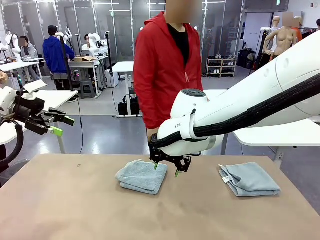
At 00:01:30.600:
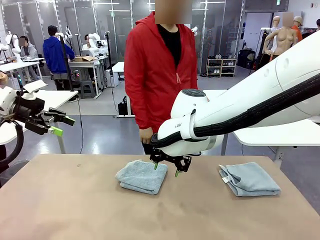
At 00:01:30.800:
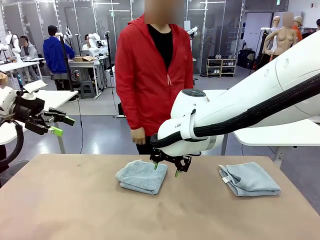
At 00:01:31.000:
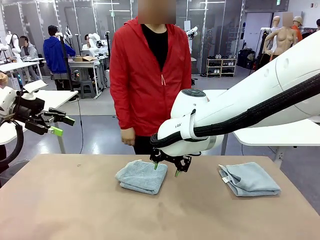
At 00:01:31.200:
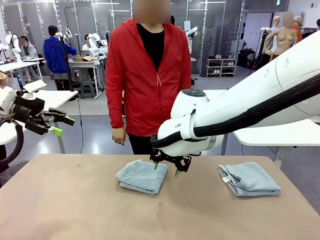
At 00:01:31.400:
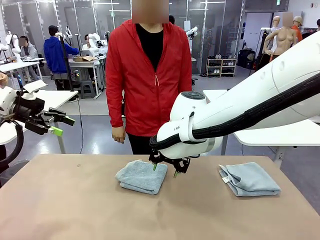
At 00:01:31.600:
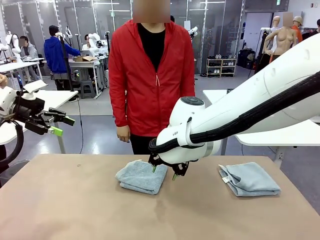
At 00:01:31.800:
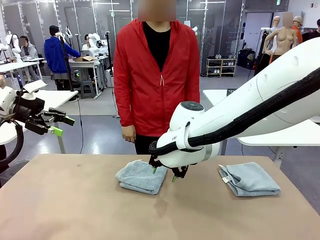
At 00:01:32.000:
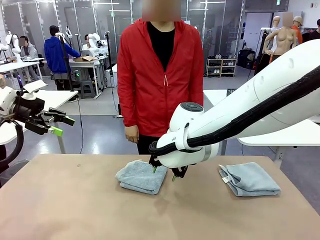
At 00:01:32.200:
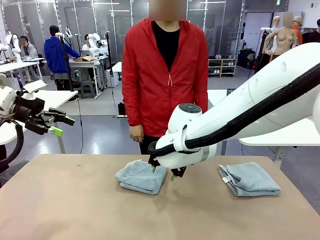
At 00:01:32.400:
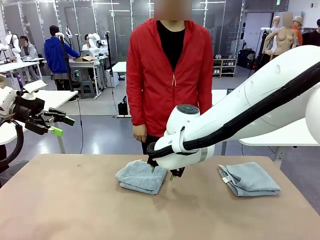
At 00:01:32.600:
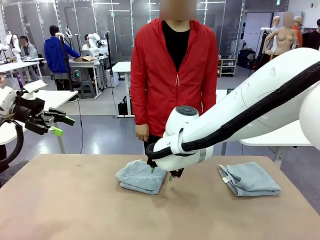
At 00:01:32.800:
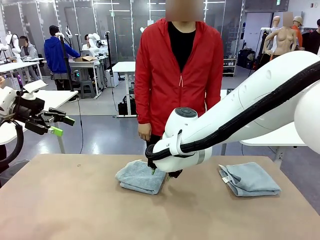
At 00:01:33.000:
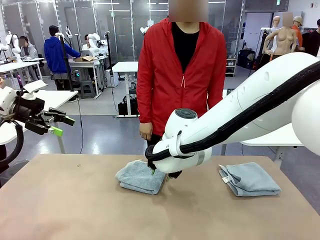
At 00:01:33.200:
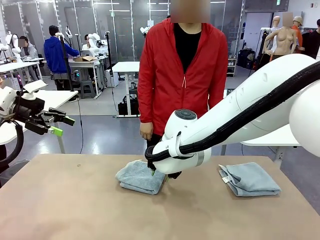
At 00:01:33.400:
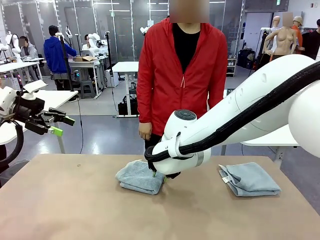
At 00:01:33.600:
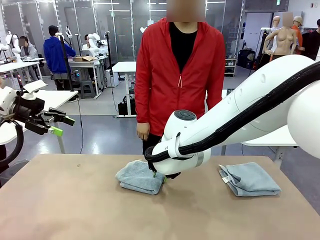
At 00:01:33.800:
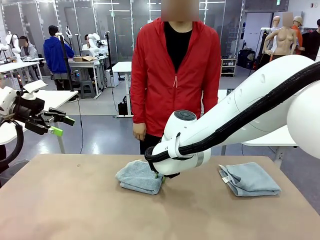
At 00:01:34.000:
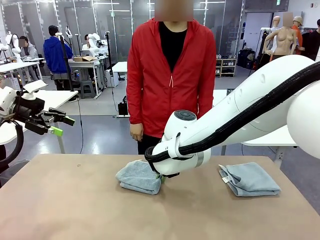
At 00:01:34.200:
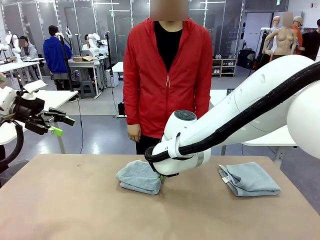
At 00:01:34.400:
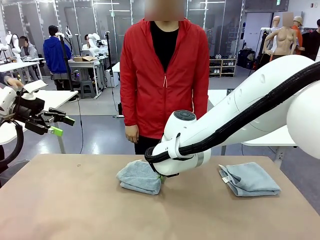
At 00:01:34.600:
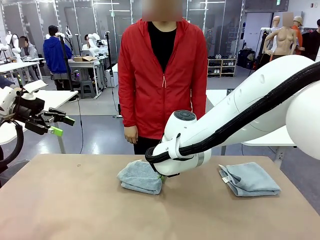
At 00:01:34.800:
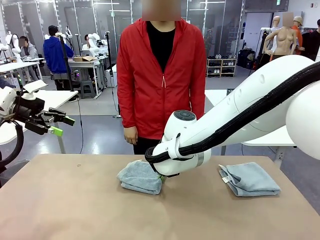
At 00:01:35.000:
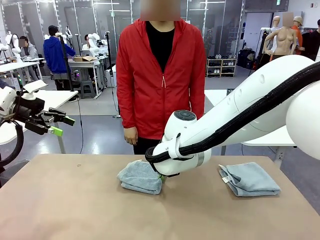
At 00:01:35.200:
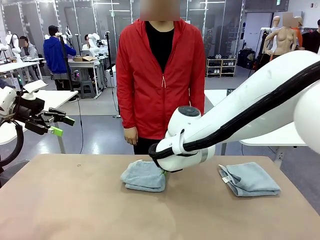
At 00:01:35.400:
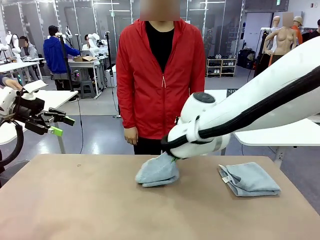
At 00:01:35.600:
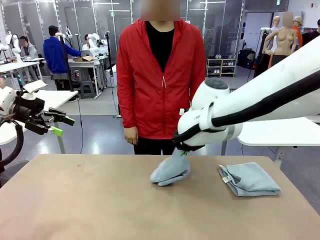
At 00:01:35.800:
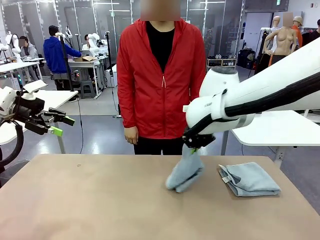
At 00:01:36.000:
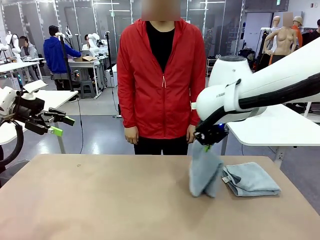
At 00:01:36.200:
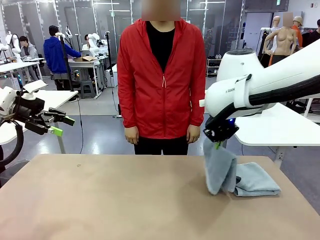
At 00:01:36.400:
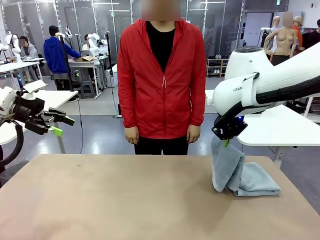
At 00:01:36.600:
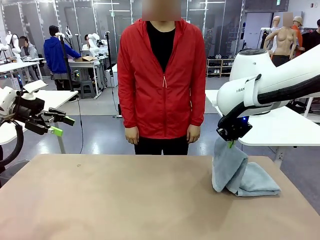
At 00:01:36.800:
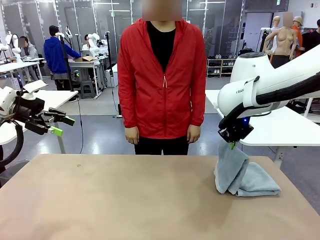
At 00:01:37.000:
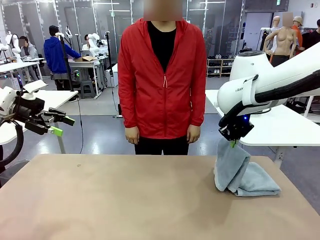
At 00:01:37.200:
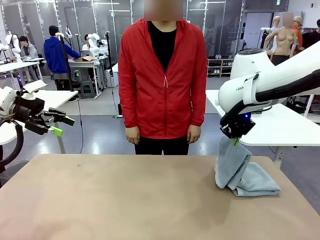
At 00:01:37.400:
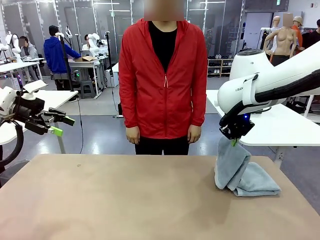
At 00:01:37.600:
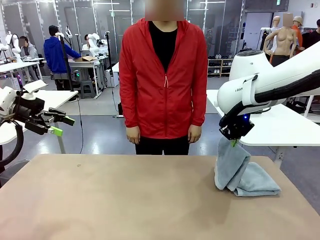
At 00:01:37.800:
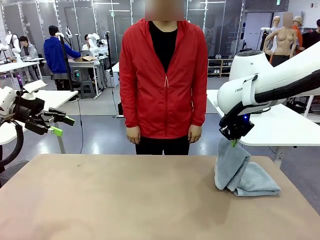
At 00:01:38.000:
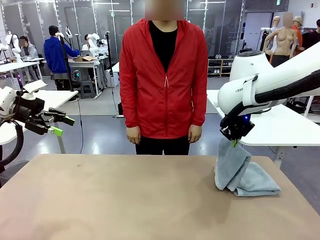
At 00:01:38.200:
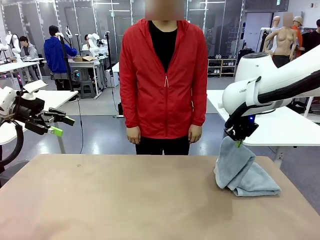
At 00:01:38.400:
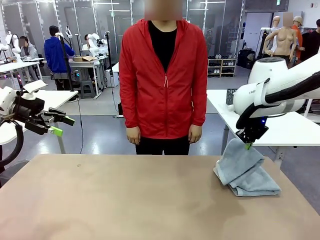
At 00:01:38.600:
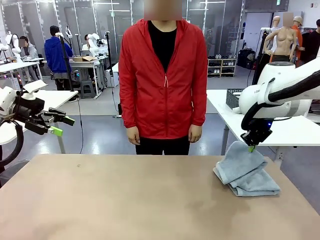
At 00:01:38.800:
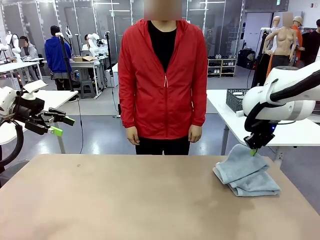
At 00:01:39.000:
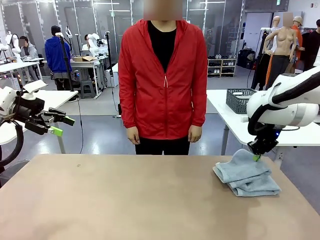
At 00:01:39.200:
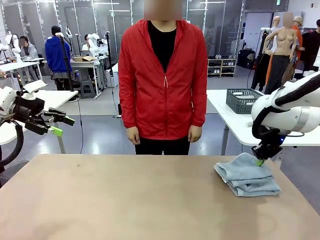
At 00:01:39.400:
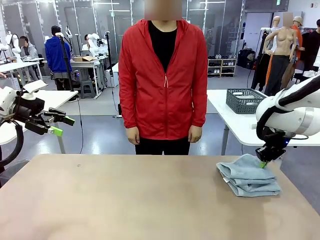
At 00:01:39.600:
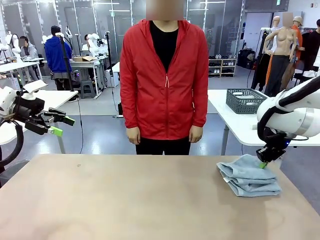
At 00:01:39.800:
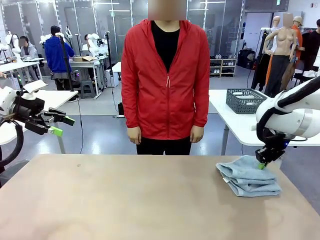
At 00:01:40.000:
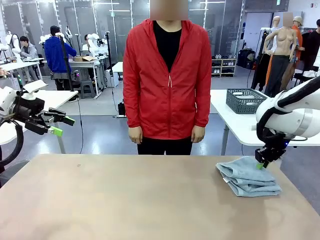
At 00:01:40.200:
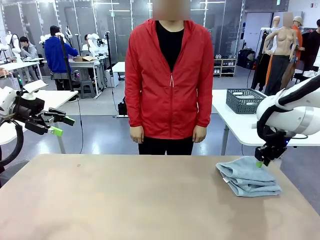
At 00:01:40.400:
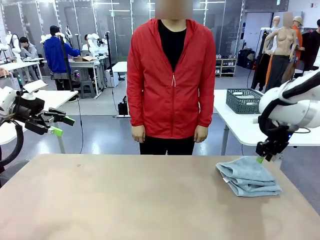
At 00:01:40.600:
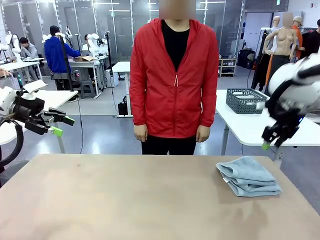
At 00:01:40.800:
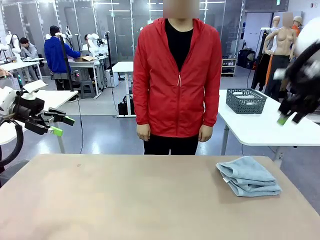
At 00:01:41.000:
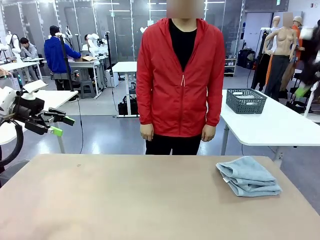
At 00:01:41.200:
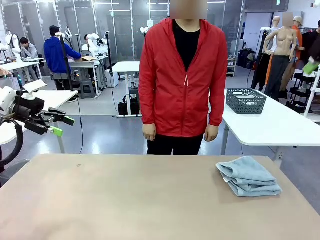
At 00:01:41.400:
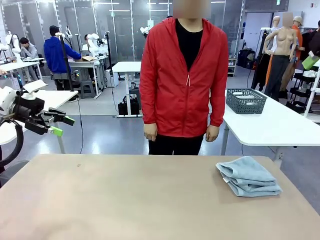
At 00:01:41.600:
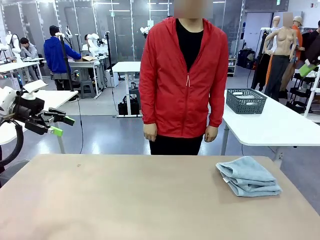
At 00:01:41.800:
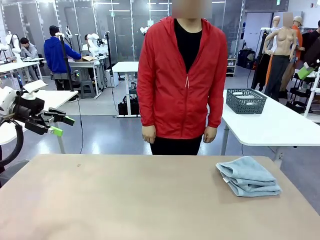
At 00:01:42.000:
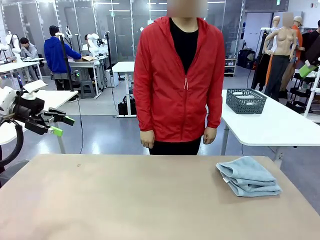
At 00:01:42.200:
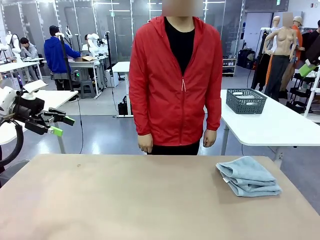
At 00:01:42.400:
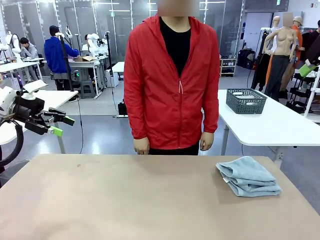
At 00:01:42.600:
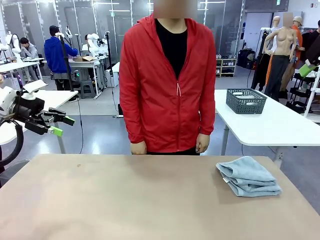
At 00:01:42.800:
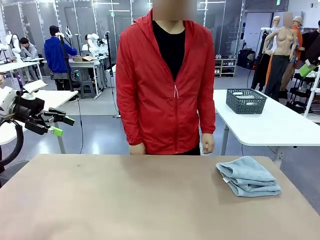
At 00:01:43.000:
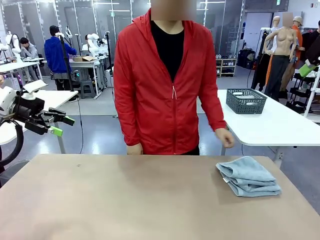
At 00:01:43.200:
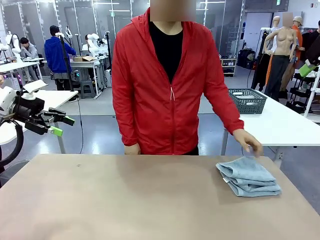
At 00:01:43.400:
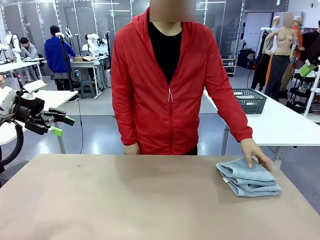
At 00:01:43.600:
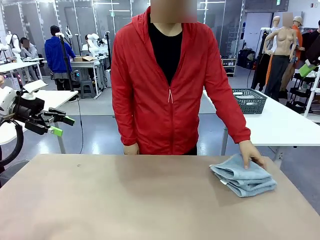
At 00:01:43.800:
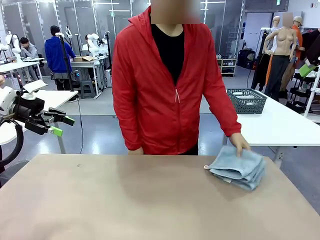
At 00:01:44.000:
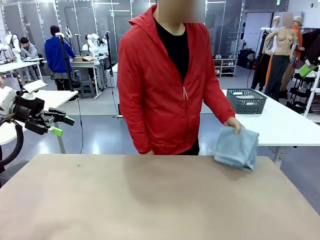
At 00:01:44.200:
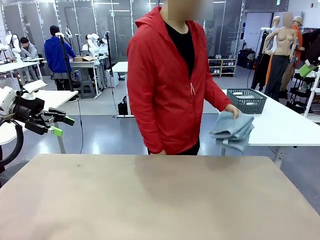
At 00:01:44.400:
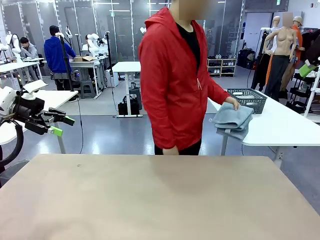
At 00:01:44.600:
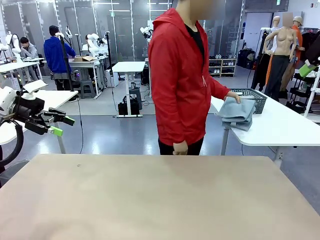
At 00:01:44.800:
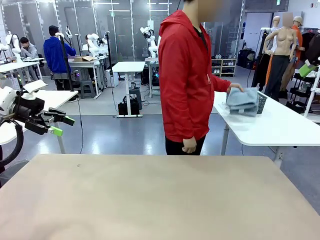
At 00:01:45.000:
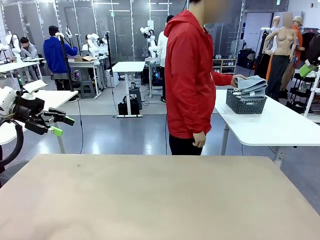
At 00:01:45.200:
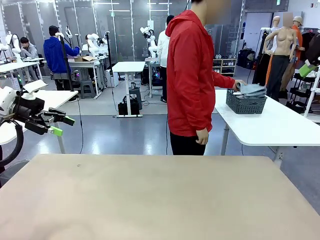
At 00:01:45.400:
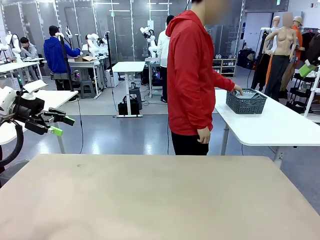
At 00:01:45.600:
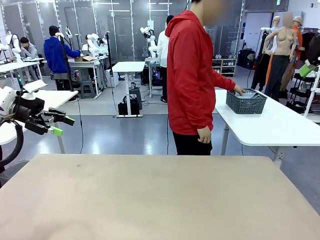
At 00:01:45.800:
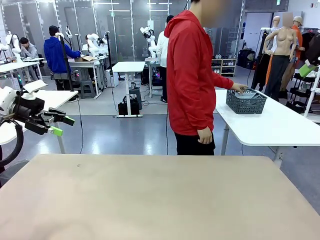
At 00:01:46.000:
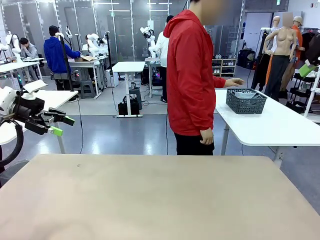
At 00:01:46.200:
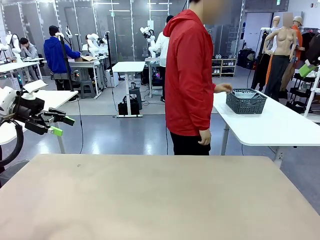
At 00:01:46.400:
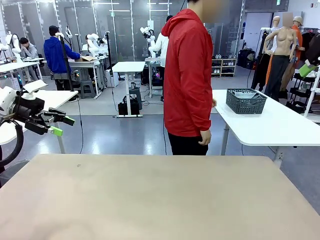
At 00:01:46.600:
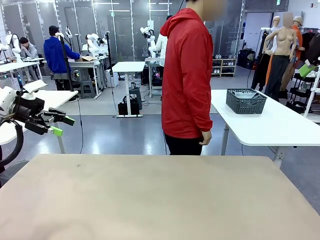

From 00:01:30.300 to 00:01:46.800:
Task: Fold the towels and place them in the basket.
Robot: Stack the folded Towel with hook on the right side of the table.
Person: Pick up the stack of towels from the robot table and place it into the basket.
